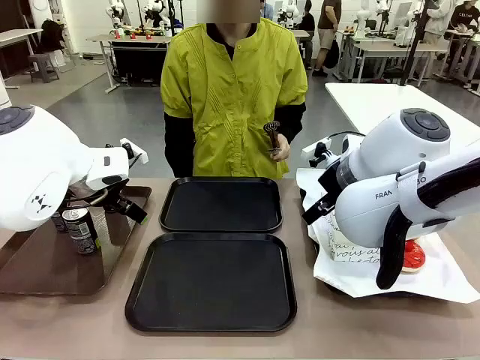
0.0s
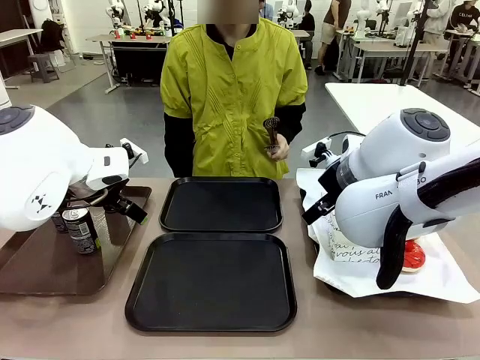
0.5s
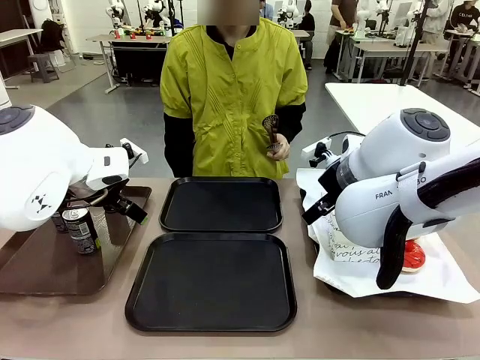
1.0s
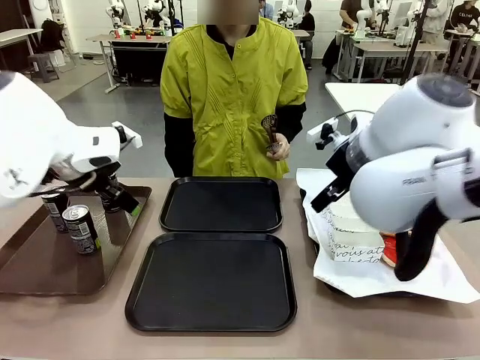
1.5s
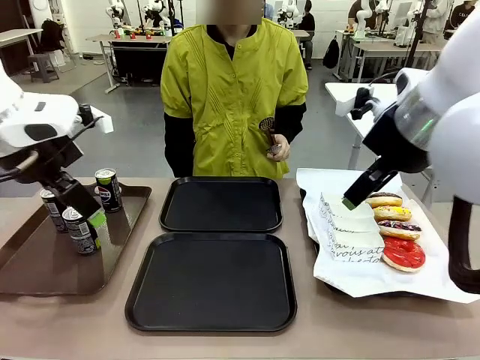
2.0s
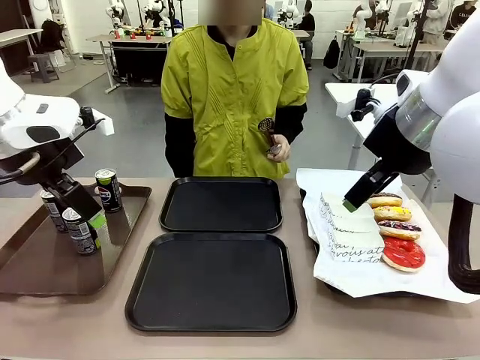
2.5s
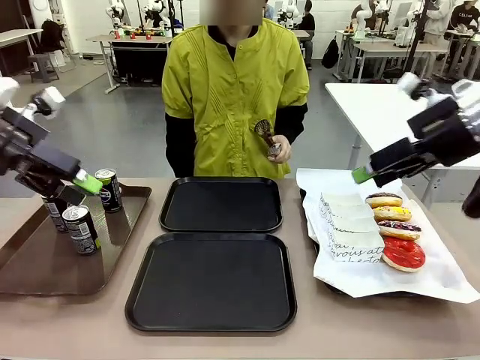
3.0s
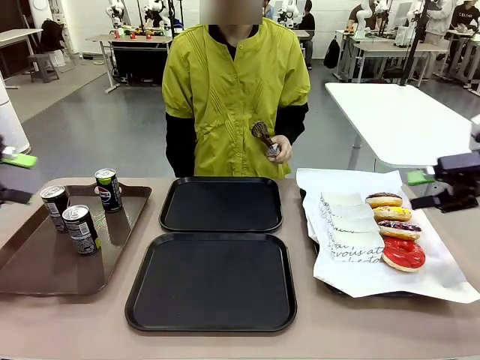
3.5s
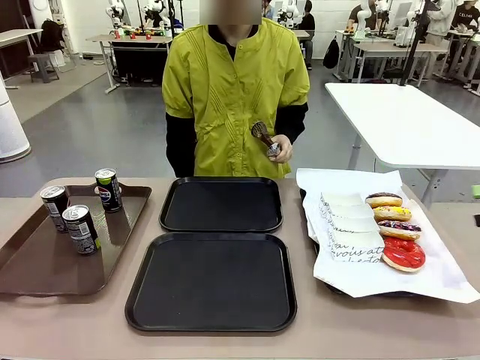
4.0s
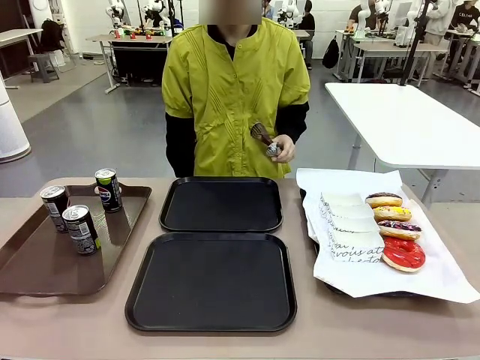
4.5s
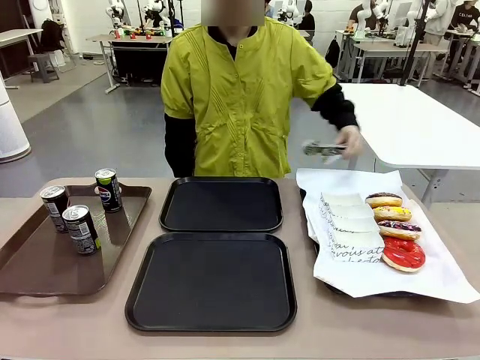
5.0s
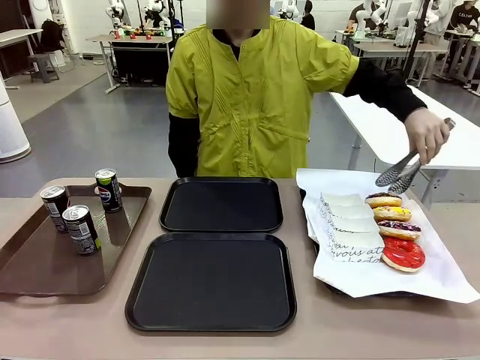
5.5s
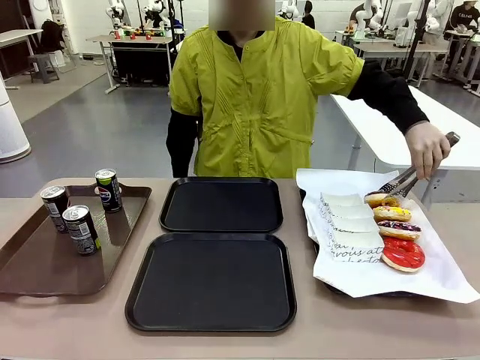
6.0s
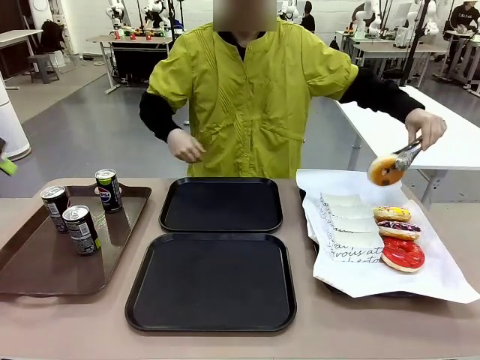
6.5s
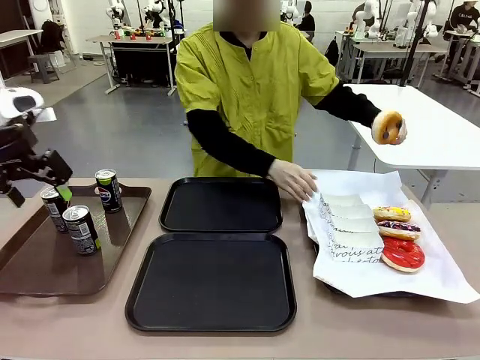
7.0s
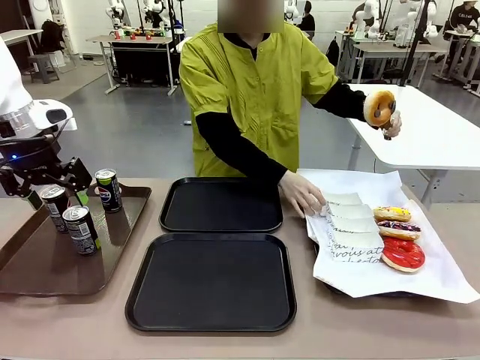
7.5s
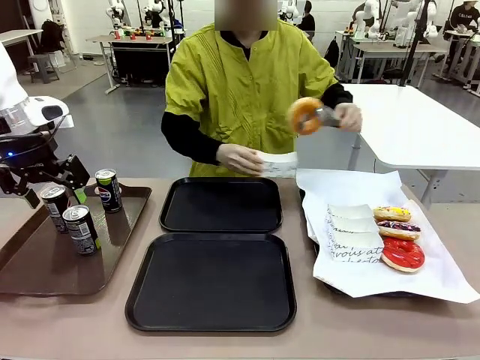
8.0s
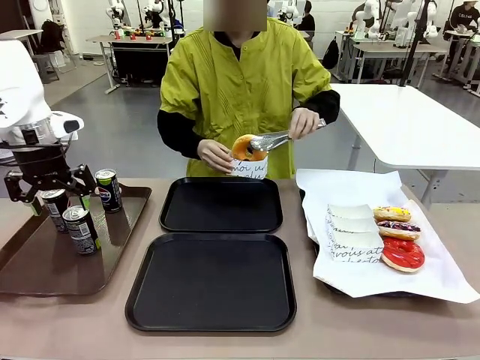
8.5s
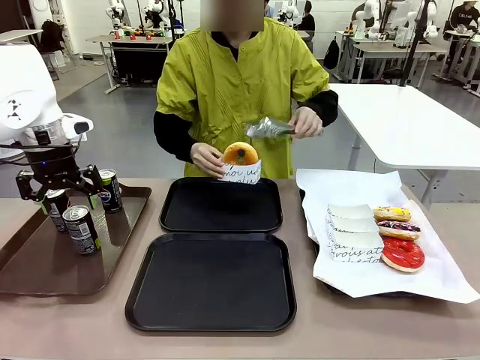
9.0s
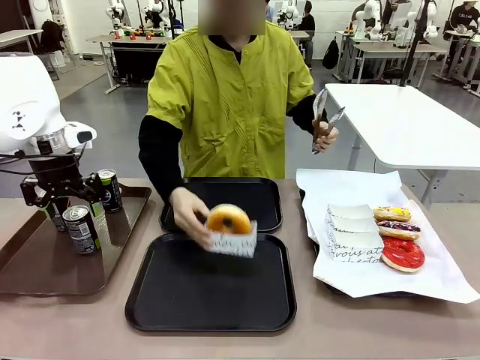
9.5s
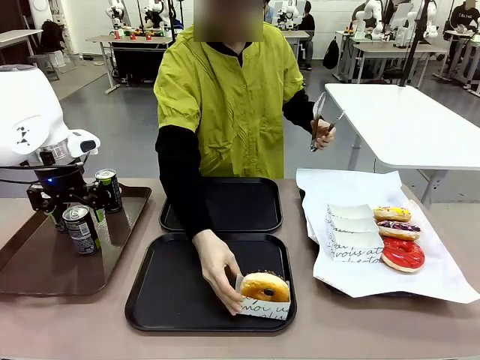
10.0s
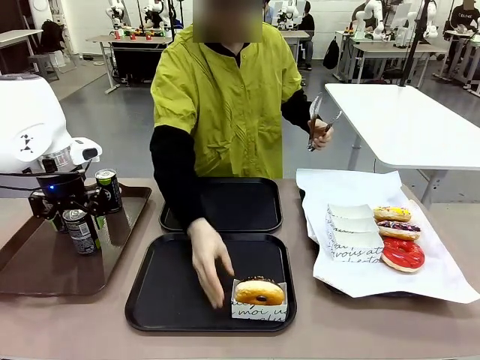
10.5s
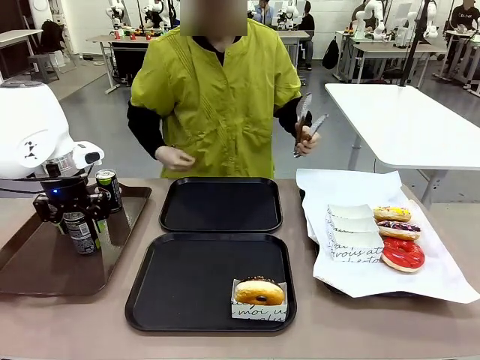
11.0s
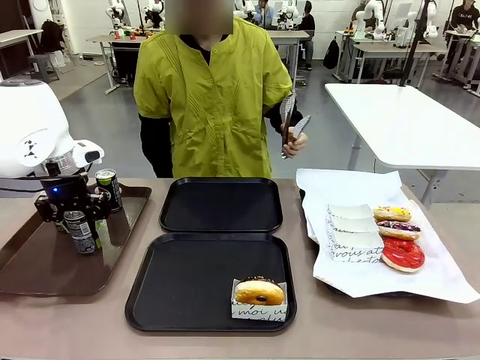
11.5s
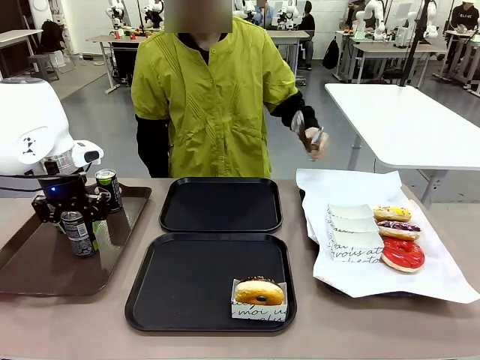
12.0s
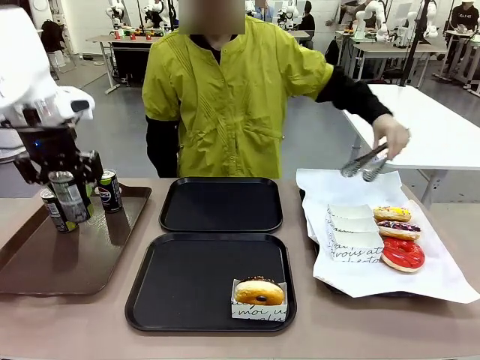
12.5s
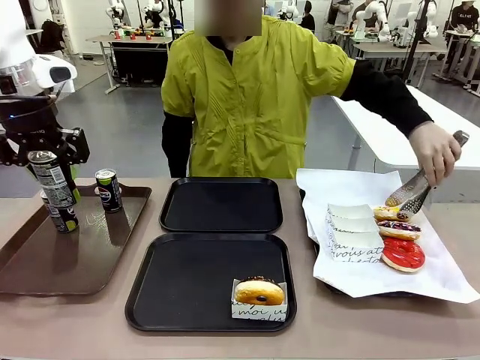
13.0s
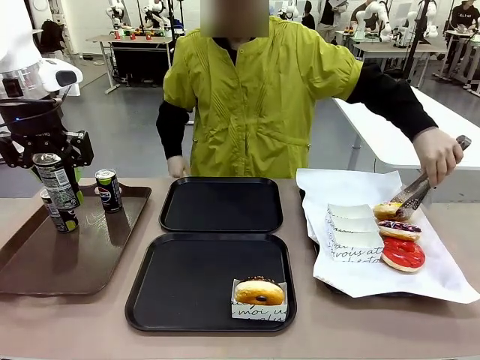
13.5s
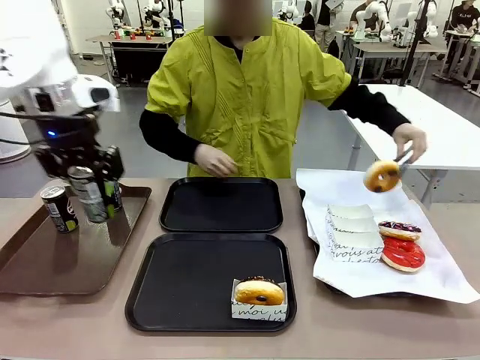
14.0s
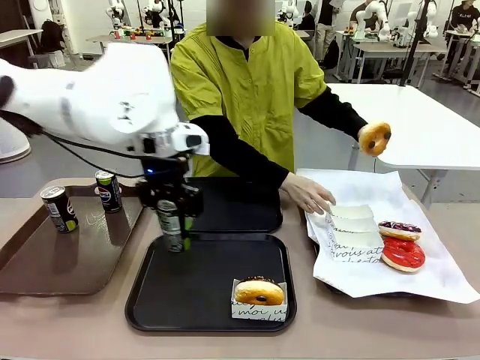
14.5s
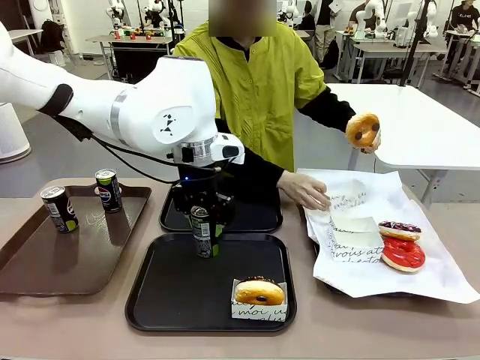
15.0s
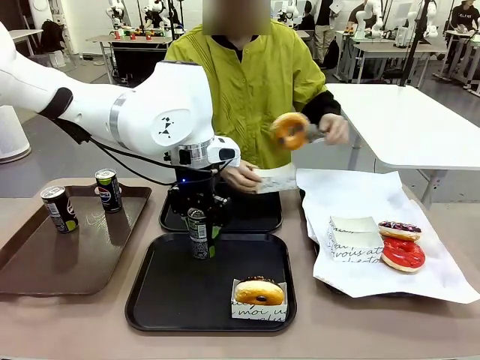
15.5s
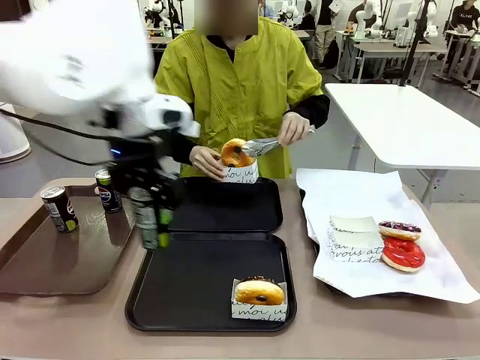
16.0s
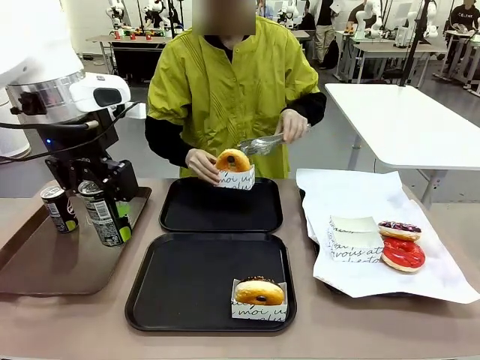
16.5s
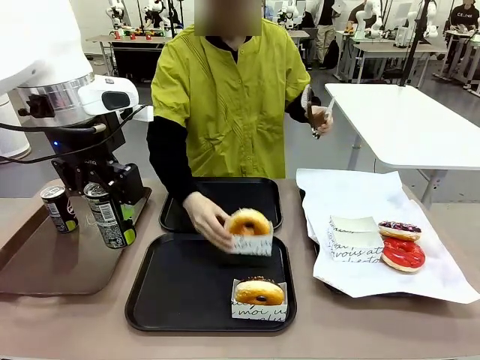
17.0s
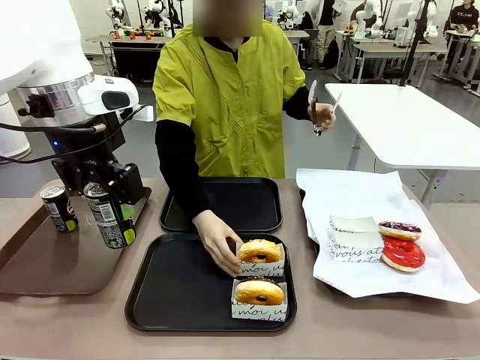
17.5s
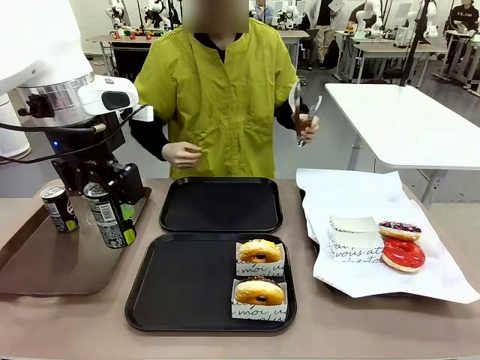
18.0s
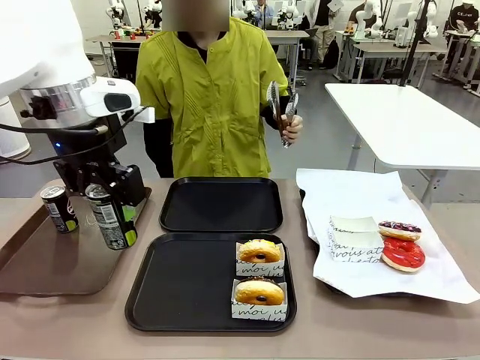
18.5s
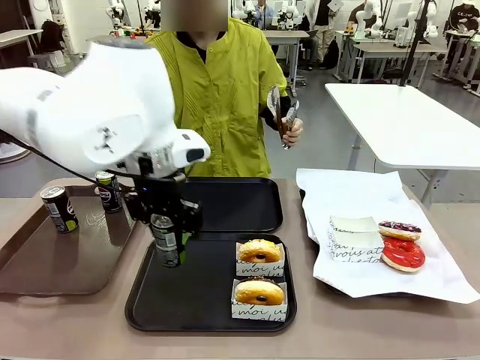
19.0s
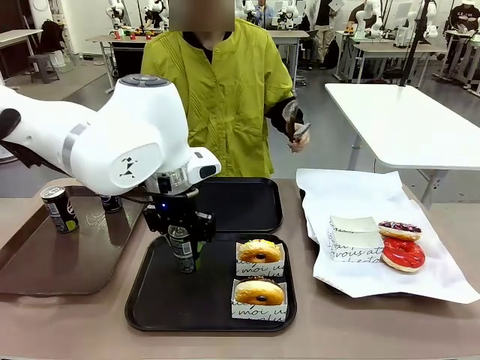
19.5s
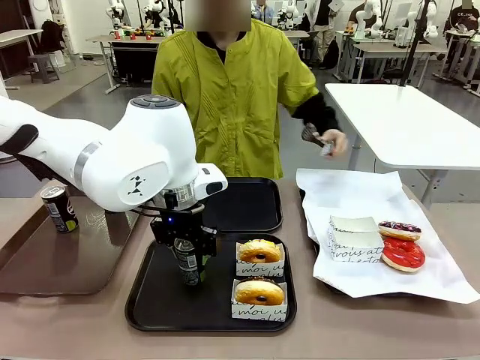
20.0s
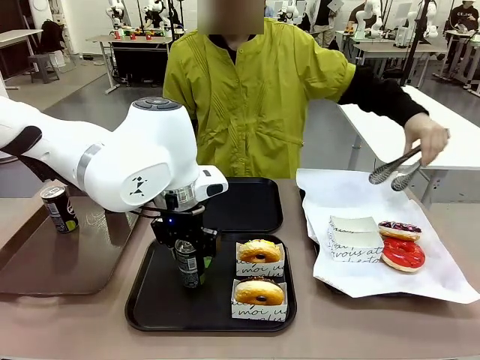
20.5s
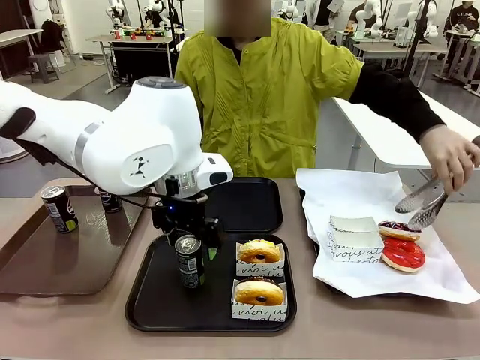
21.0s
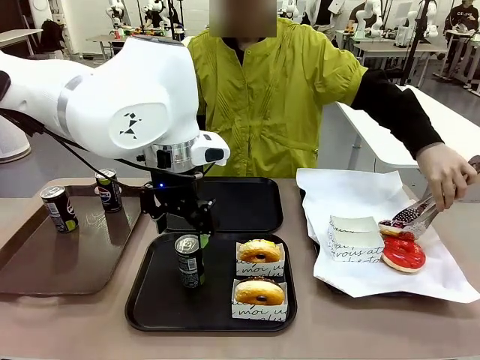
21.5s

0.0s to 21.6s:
Task: Set up donuts and drinks on trays.
Robot: Pick up one Pepsi coke and place it on the Flat Tray.
